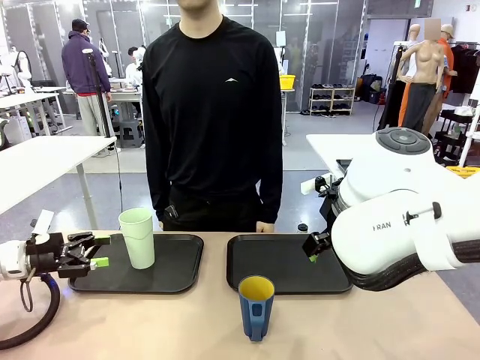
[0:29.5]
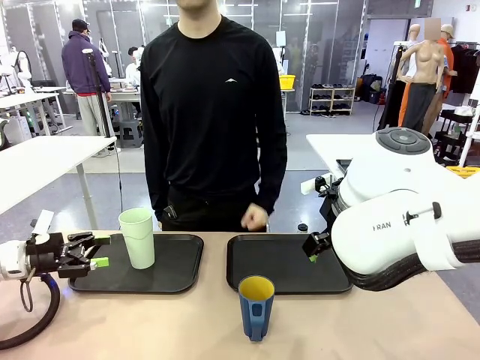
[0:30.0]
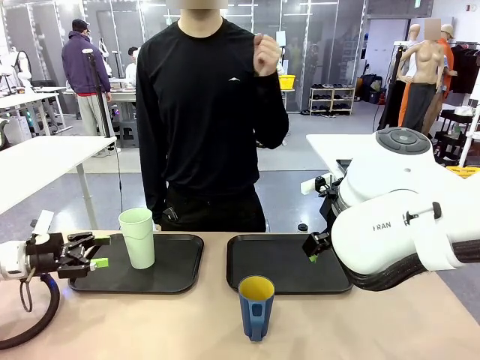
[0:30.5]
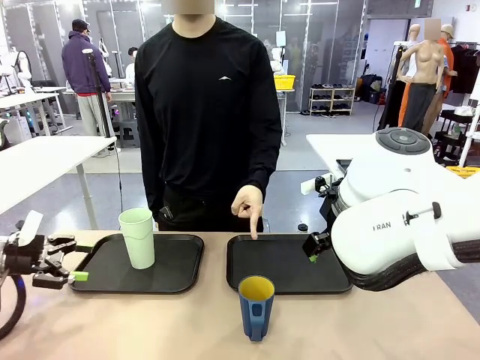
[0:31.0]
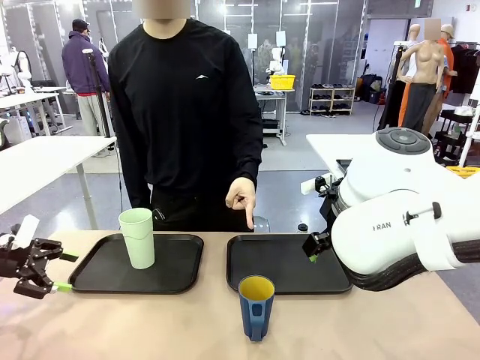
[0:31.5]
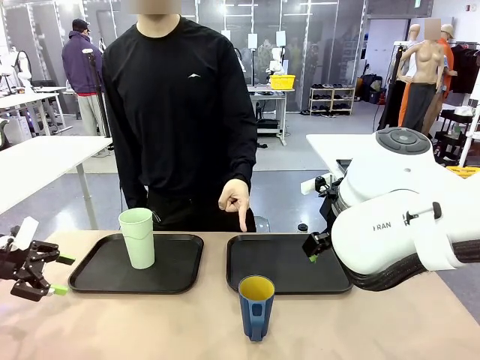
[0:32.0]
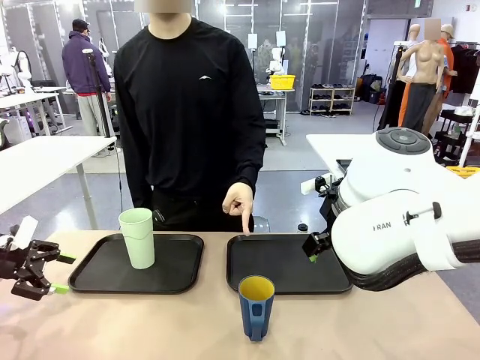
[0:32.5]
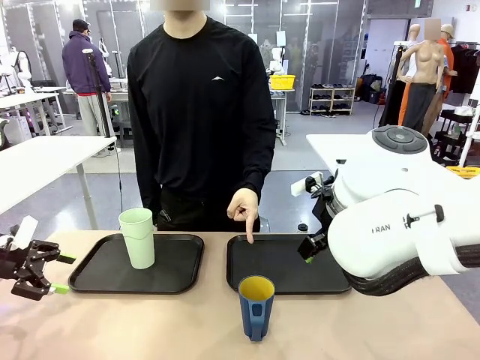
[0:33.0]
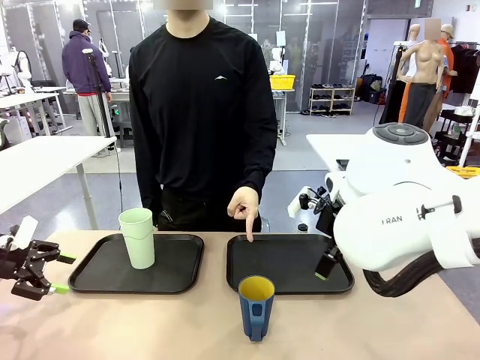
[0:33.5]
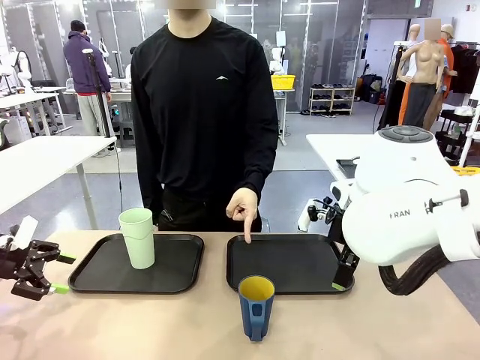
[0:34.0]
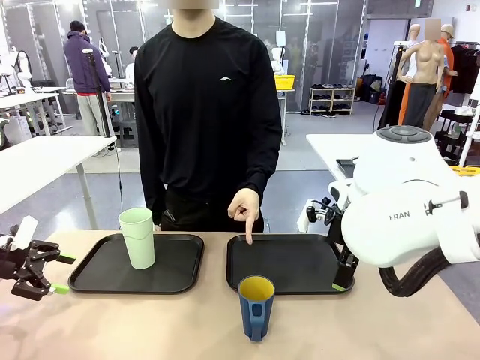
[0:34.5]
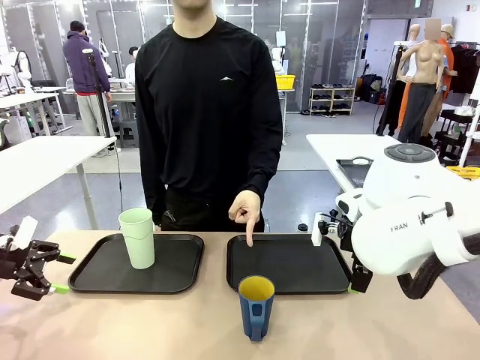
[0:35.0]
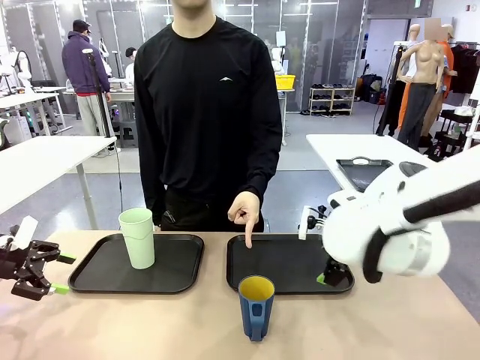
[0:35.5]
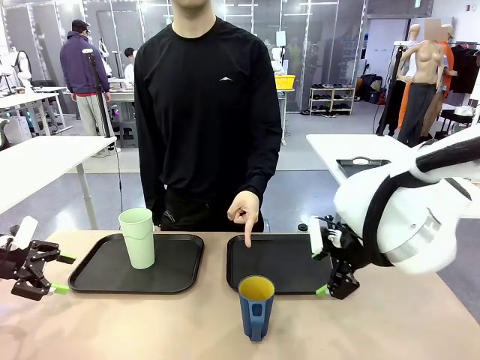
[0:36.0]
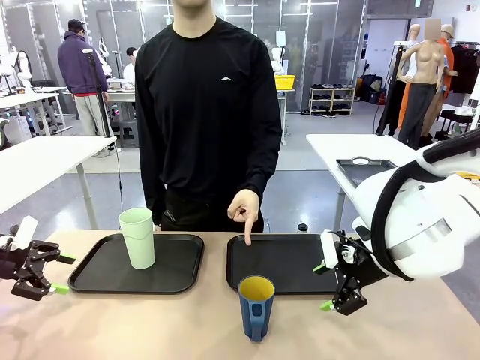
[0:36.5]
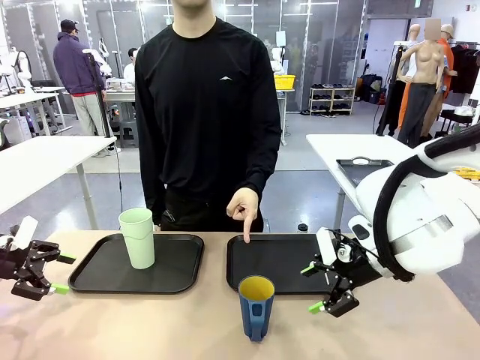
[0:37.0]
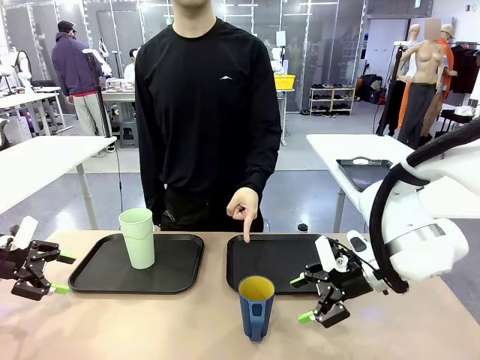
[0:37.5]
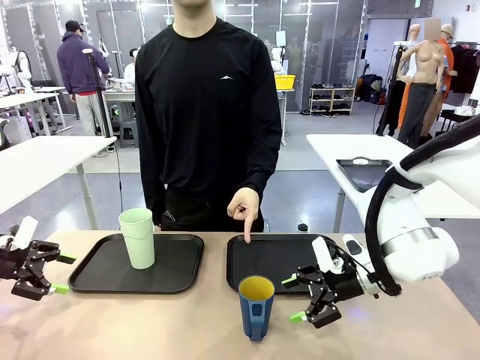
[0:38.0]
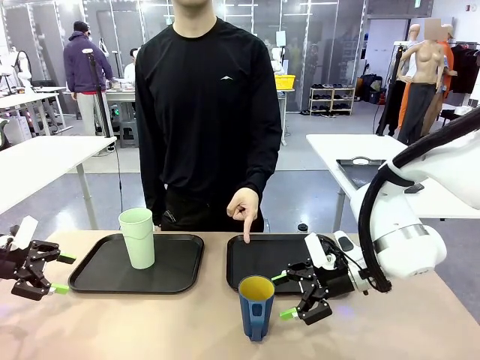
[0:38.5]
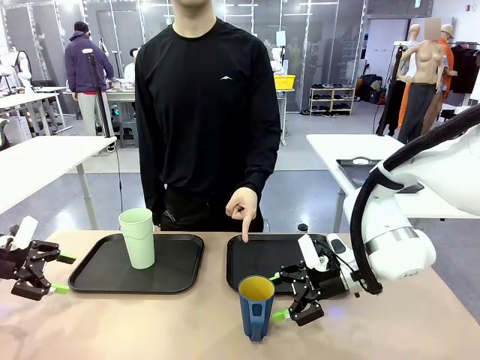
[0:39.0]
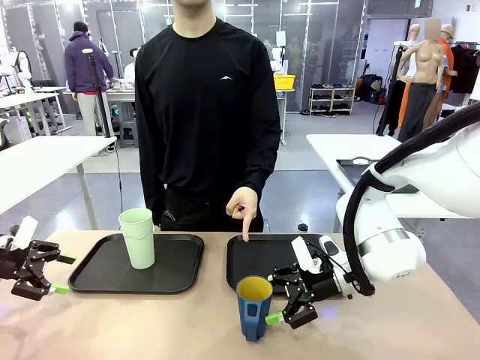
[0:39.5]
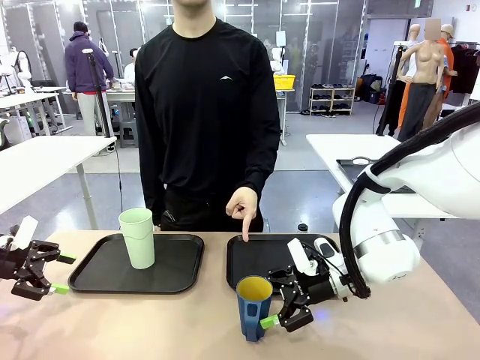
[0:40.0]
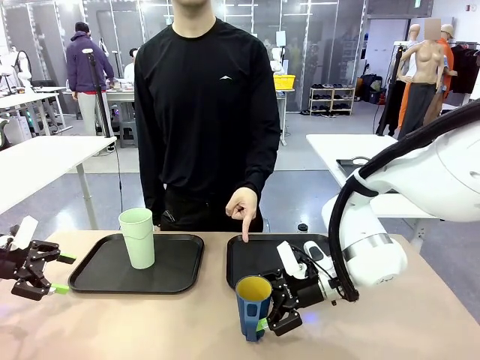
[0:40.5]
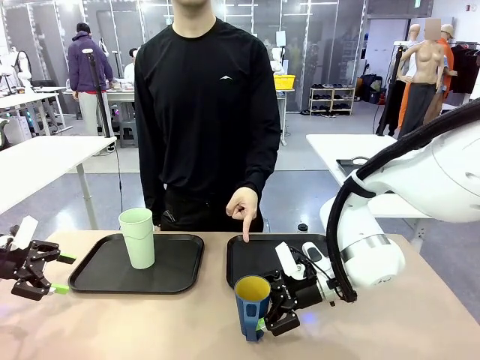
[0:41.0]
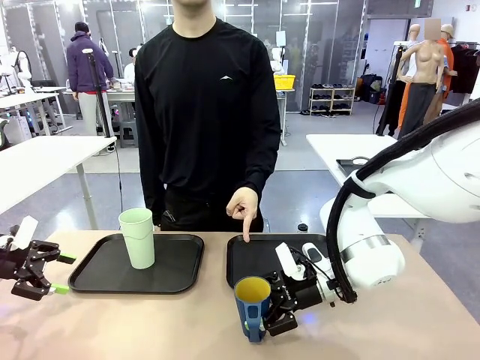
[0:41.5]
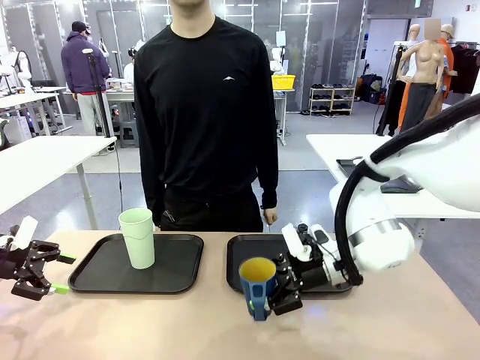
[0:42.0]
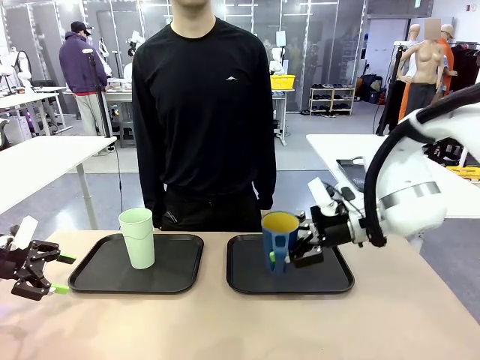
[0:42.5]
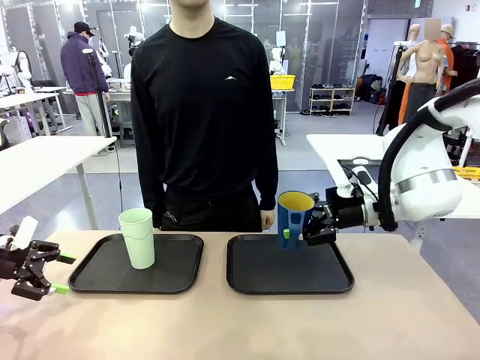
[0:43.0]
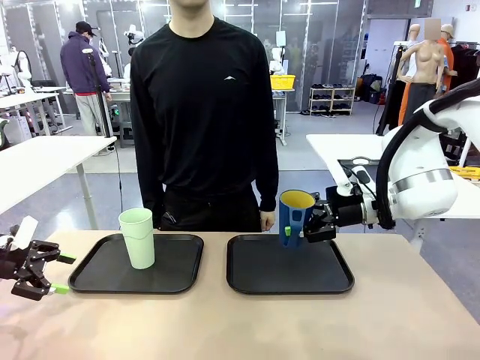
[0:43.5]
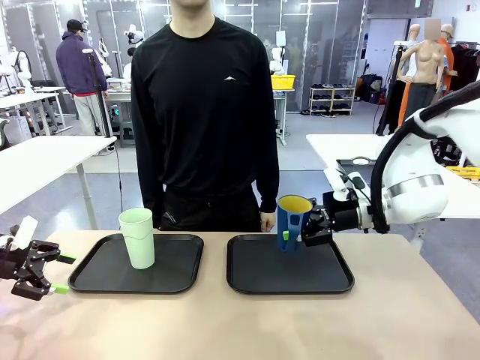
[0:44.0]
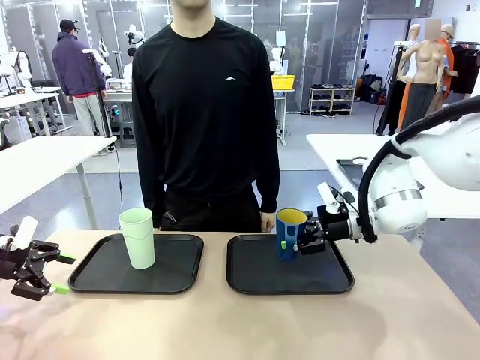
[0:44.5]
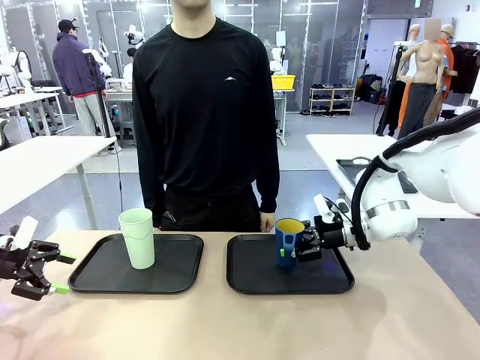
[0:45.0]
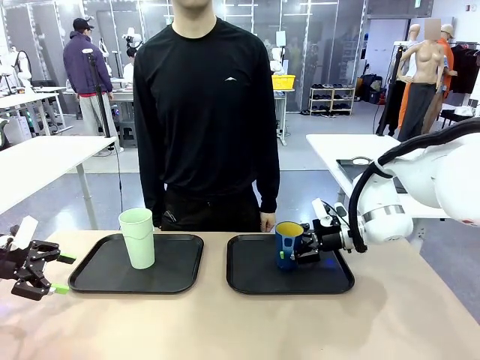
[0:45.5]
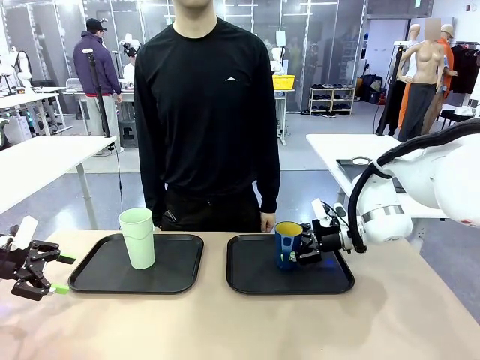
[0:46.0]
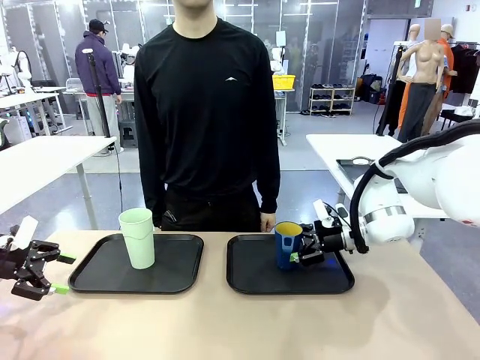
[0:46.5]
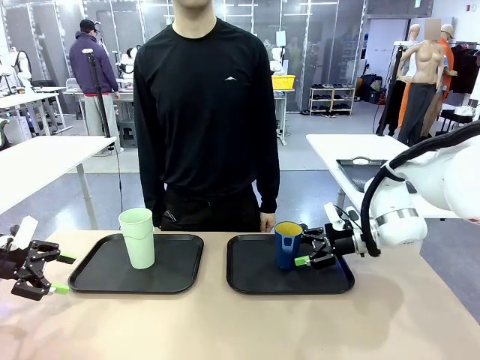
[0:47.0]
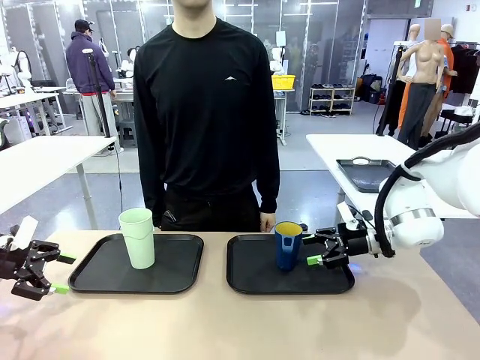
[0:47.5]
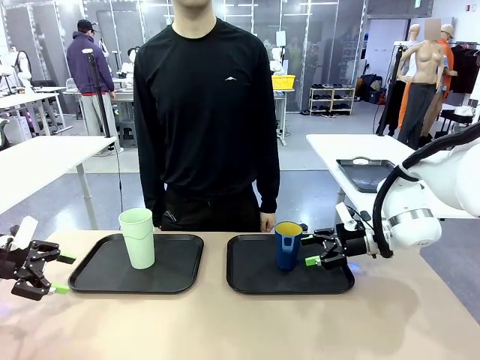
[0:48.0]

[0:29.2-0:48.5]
Task: Sort and store the cups by type.
Robot: Pick up the Handle plastic cup and place it into the empty Flat Tray.
Person: Points to the cup with a handle.

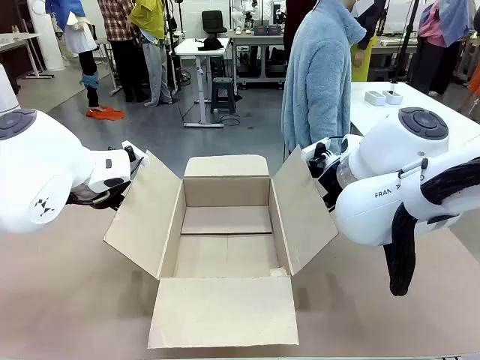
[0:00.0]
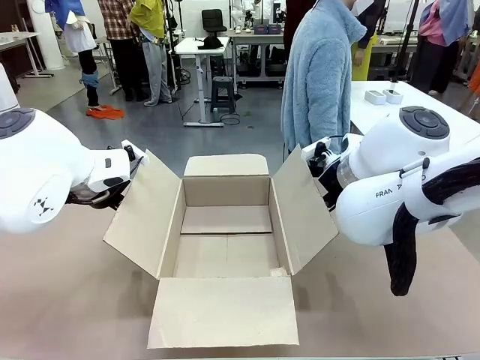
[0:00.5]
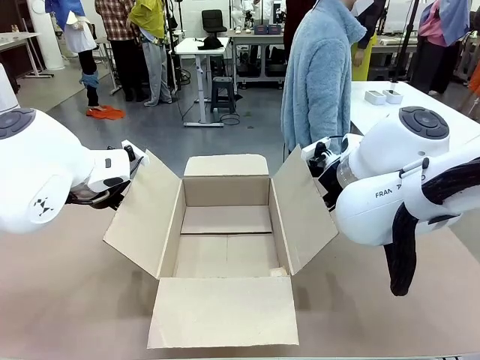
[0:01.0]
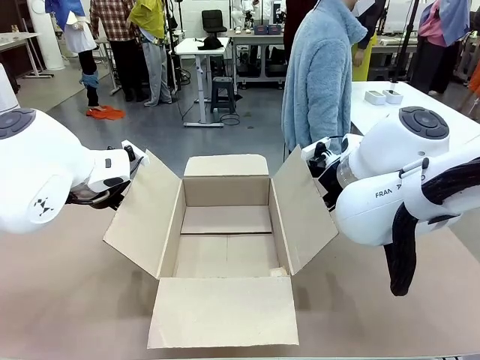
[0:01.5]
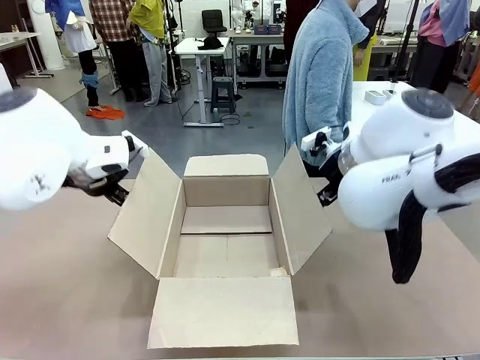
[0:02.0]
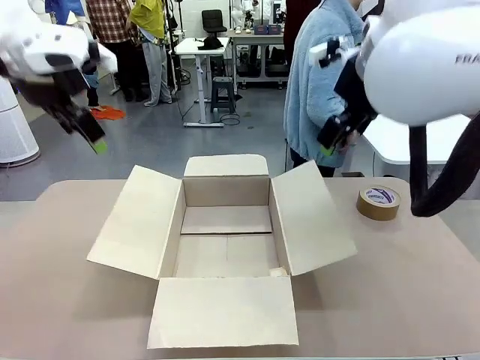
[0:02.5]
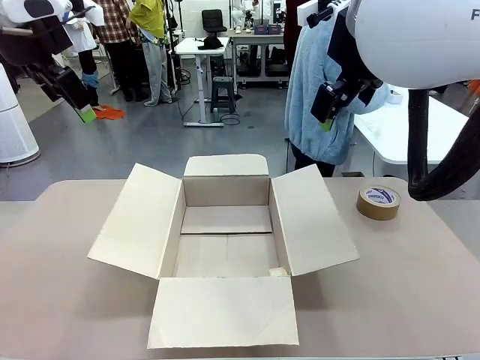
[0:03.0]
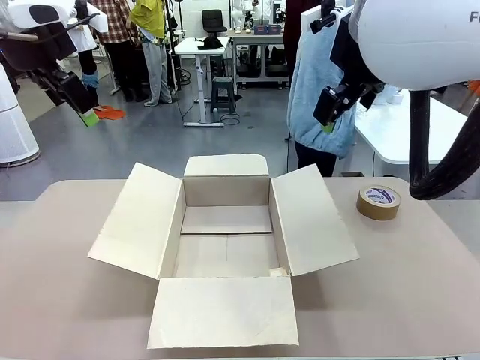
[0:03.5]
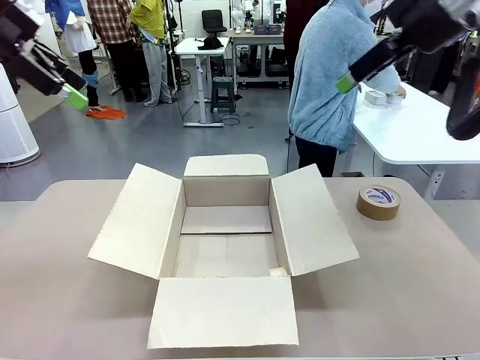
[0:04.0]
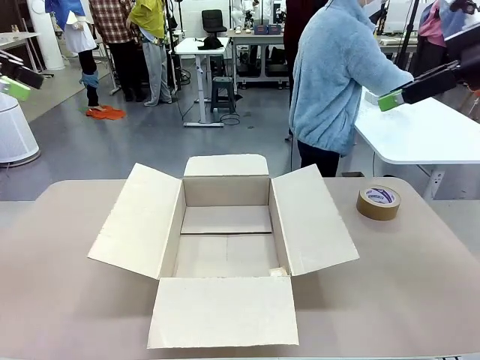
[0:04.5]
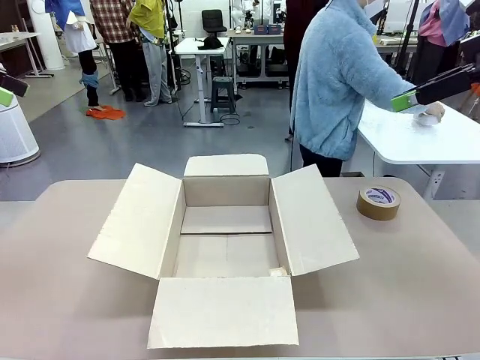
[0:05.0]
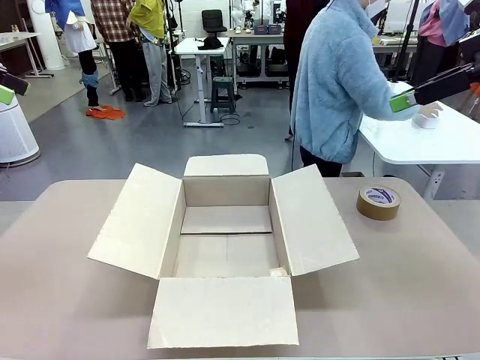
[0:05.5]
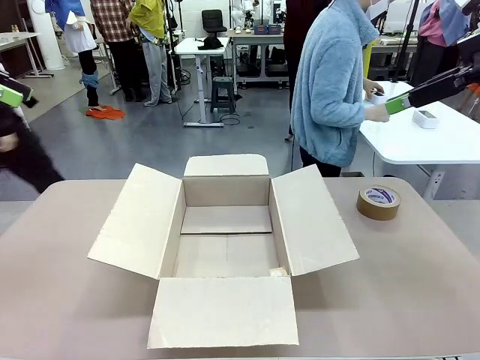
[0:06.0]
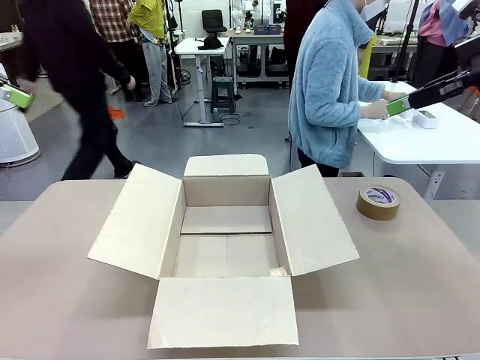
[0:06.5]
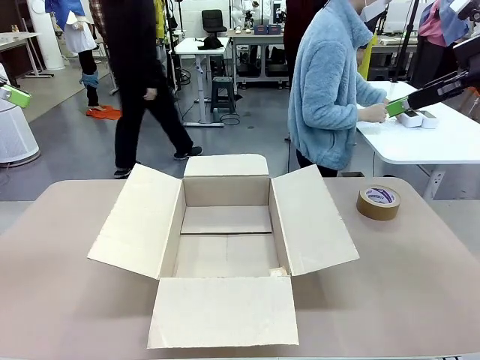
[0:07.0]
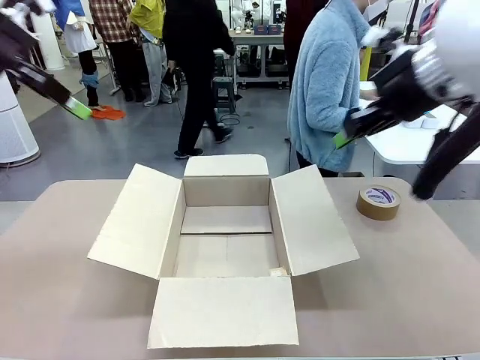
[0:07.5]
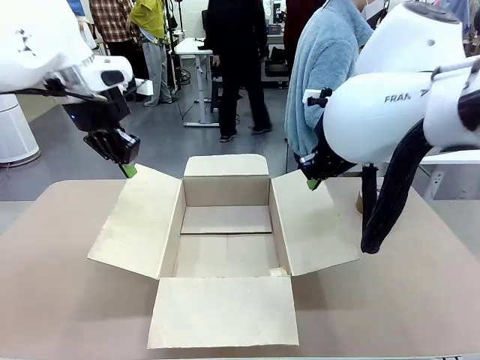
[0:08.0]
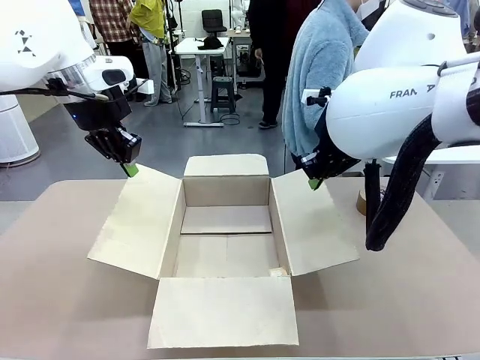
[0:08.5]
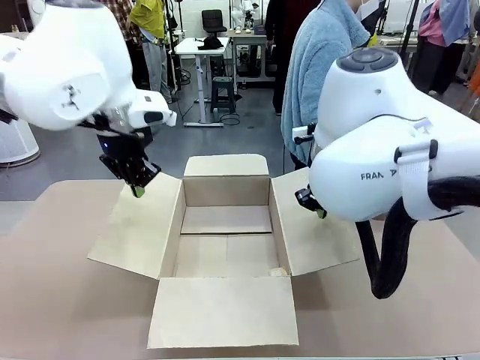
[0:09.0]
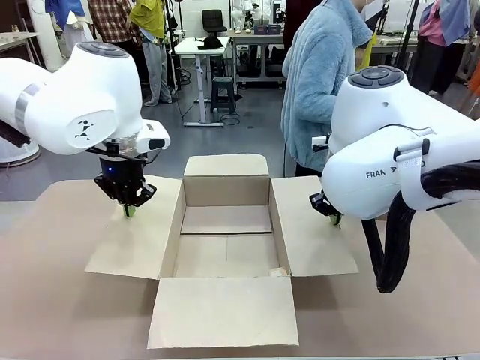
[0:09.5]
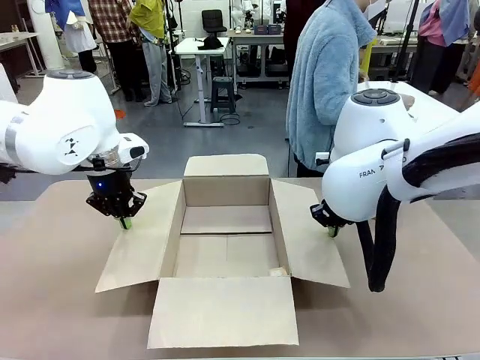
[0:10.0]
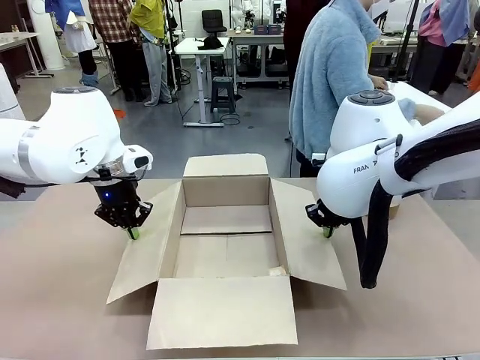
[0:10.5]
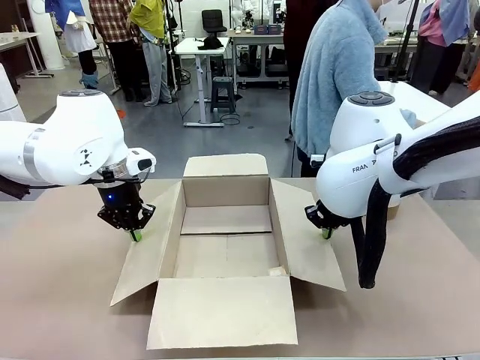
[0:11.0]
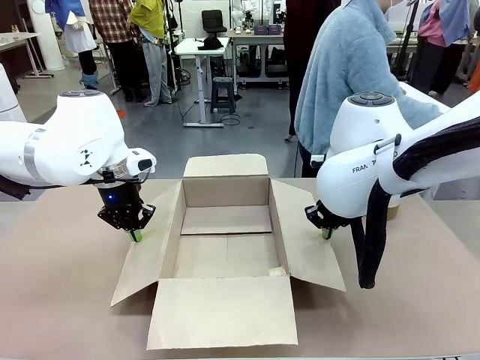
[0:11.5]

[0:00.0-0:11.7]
Task: Wrap the clocks to prevent damage.
Robot: Open the side flaps of the Package Box.
Person: Wrap the two Digital clocks with Bubble Wrap.
